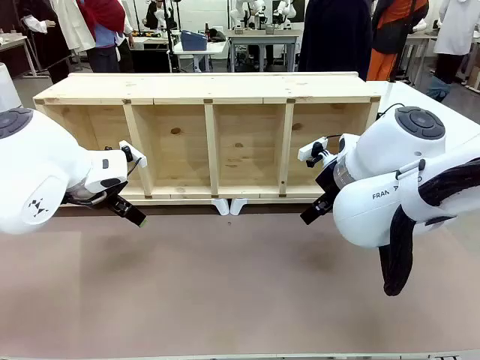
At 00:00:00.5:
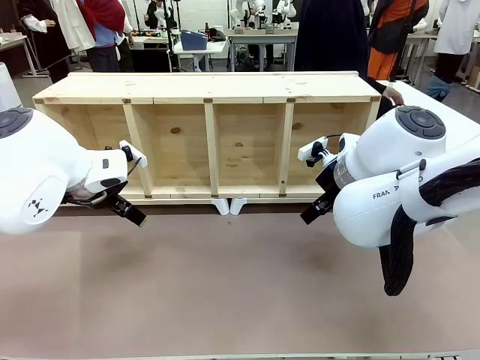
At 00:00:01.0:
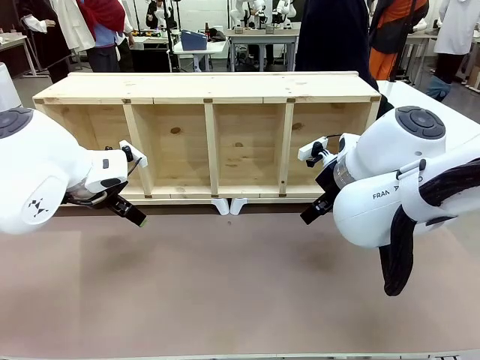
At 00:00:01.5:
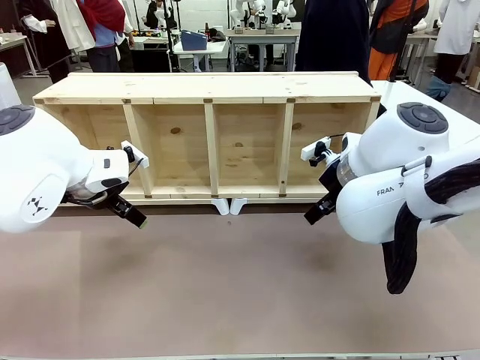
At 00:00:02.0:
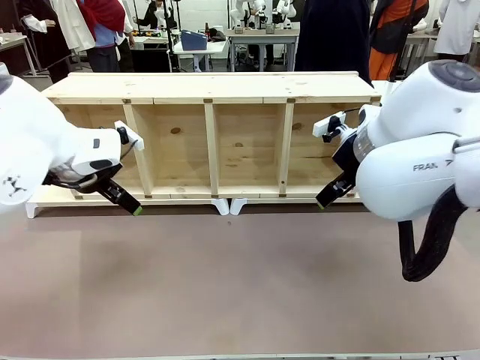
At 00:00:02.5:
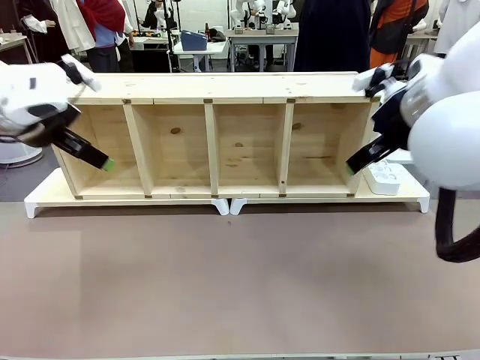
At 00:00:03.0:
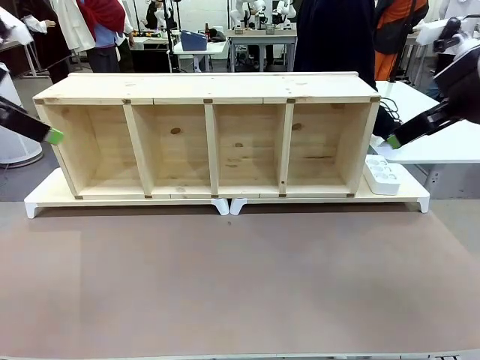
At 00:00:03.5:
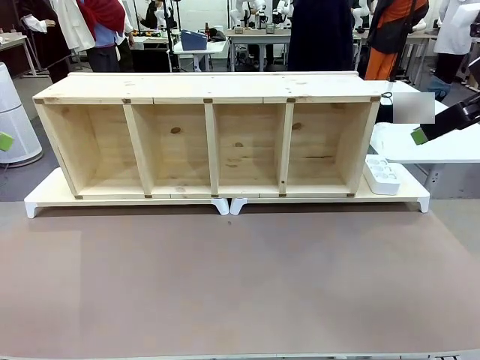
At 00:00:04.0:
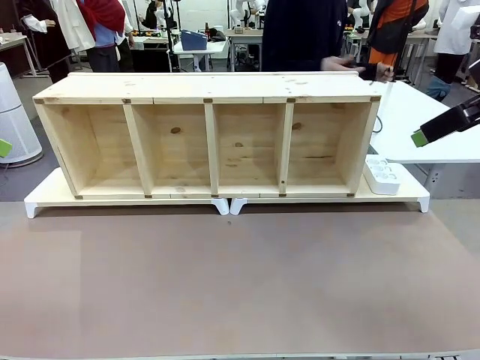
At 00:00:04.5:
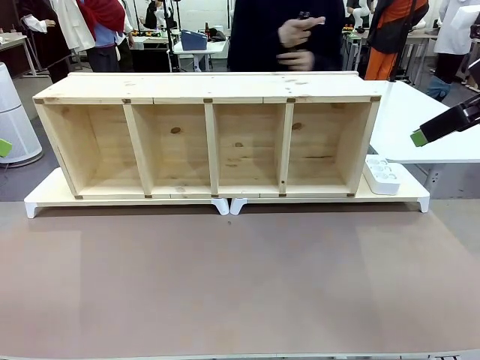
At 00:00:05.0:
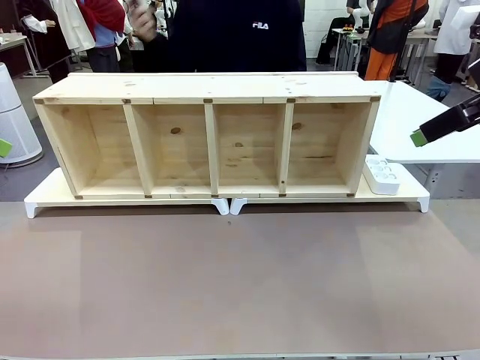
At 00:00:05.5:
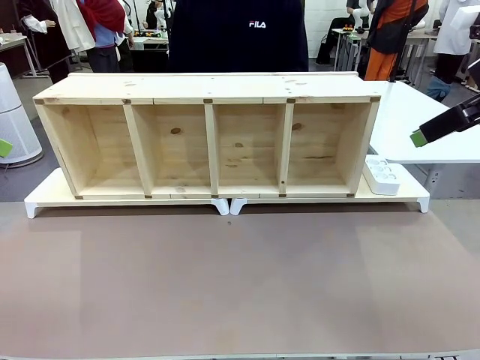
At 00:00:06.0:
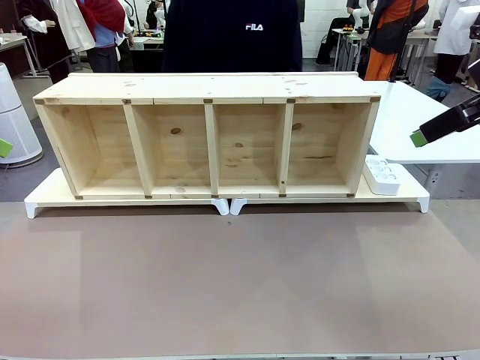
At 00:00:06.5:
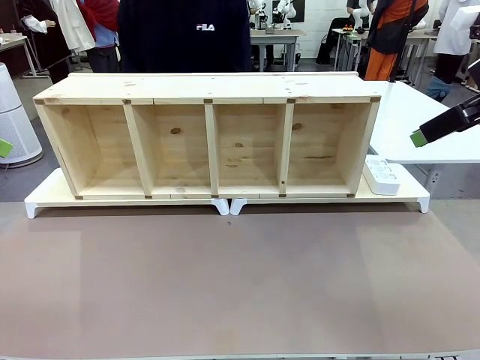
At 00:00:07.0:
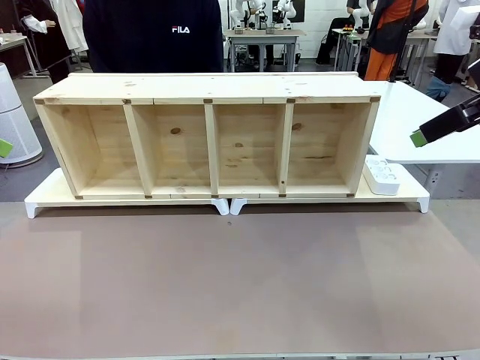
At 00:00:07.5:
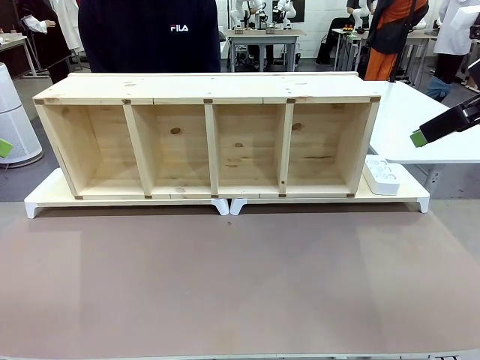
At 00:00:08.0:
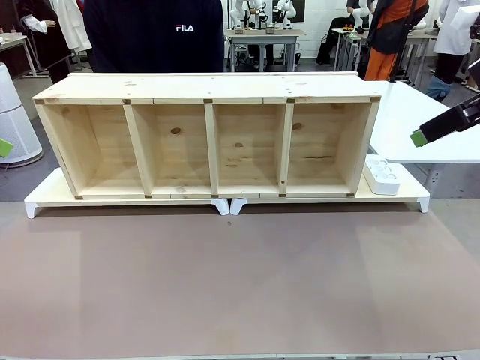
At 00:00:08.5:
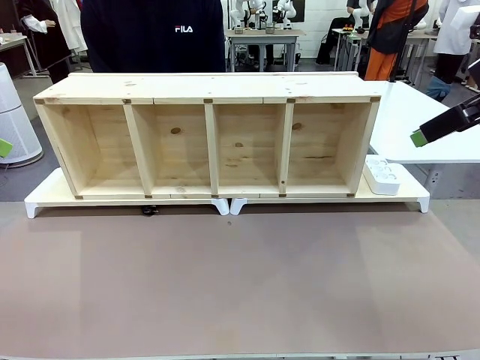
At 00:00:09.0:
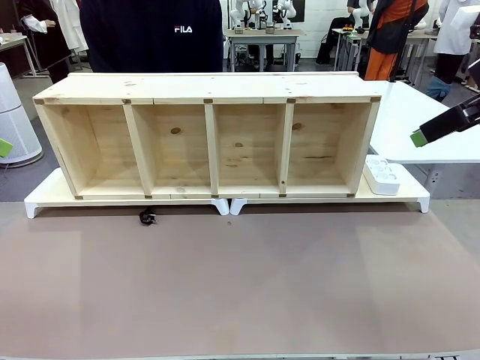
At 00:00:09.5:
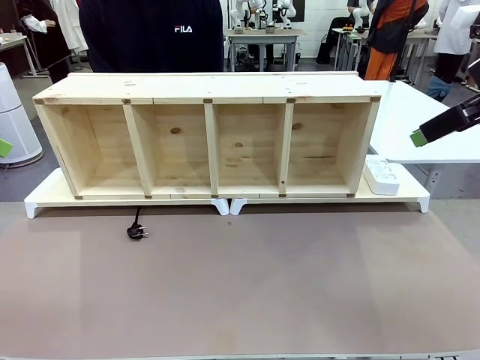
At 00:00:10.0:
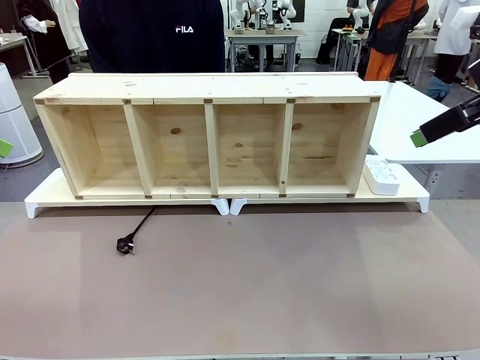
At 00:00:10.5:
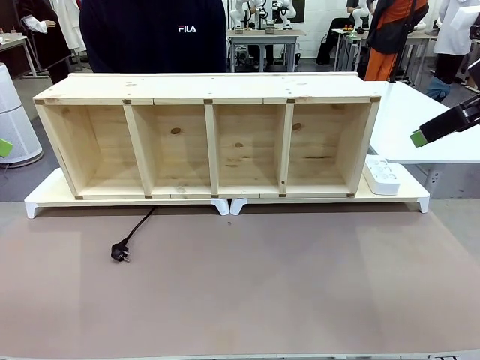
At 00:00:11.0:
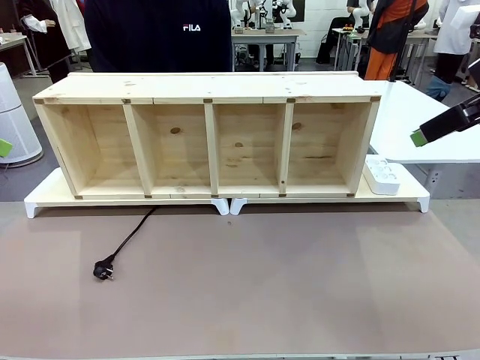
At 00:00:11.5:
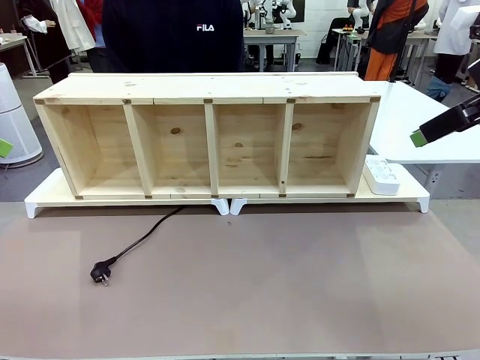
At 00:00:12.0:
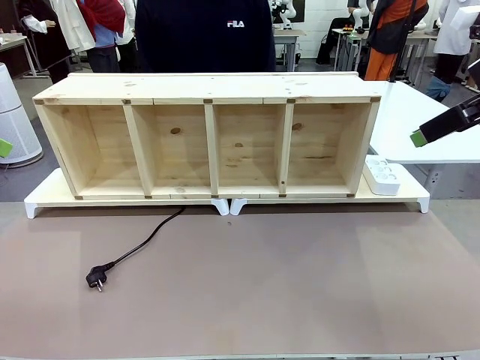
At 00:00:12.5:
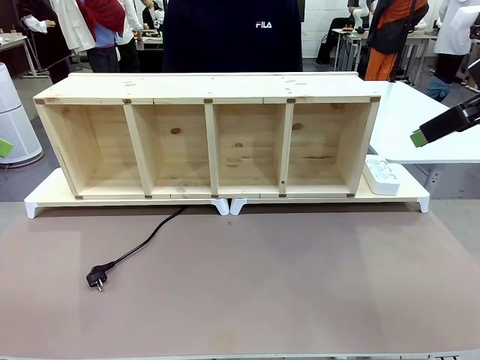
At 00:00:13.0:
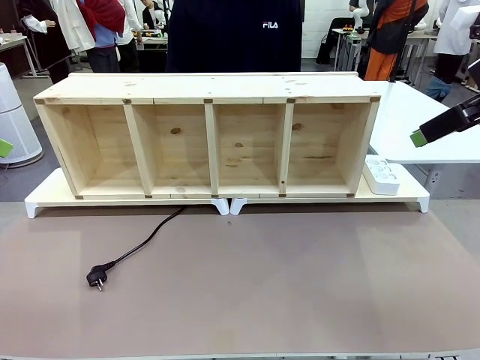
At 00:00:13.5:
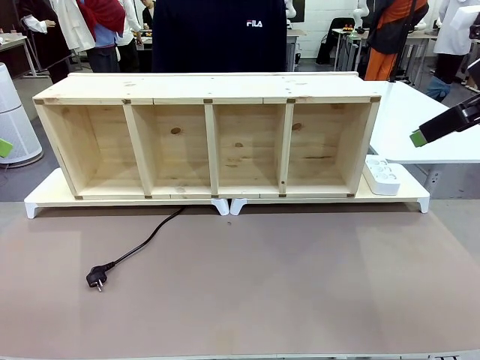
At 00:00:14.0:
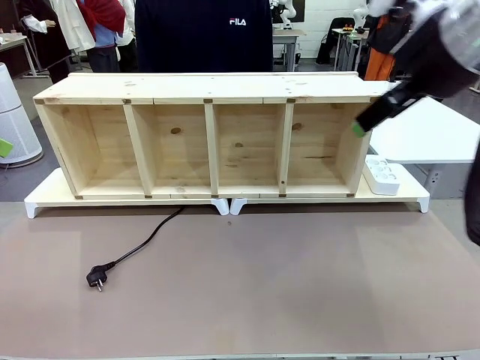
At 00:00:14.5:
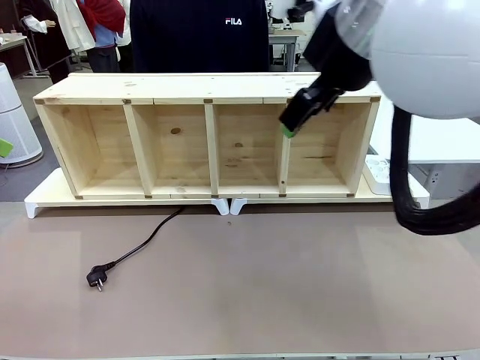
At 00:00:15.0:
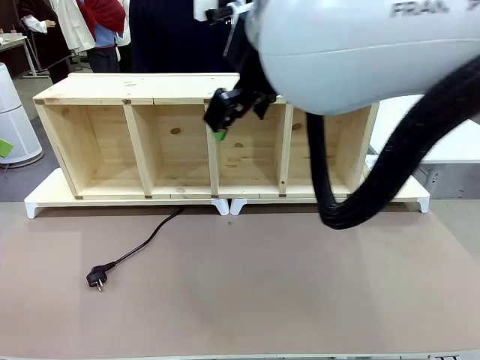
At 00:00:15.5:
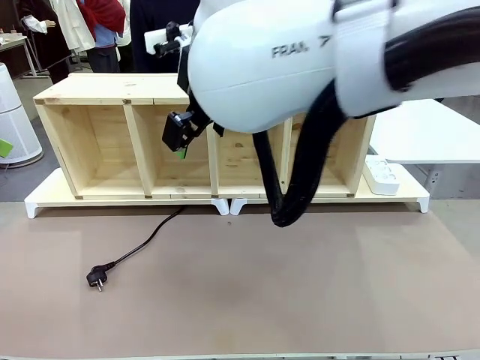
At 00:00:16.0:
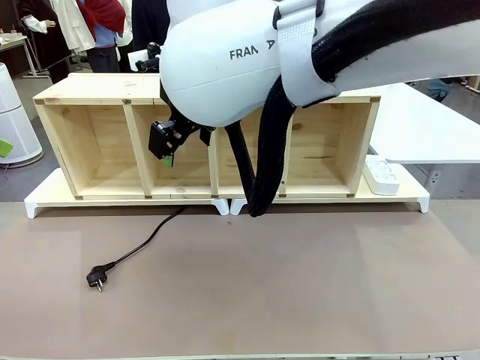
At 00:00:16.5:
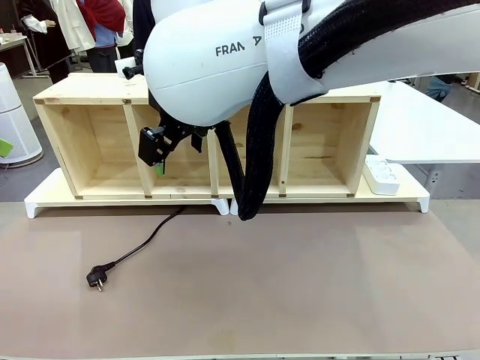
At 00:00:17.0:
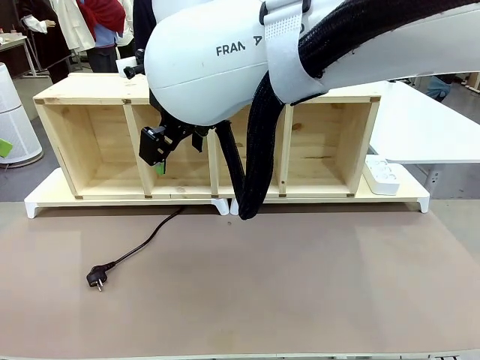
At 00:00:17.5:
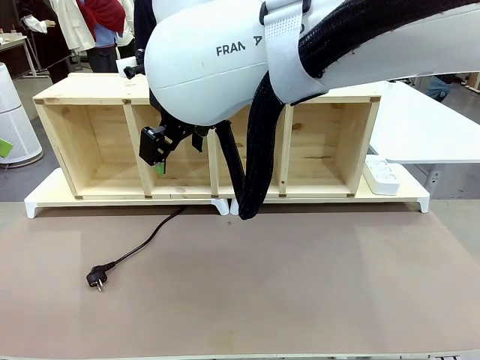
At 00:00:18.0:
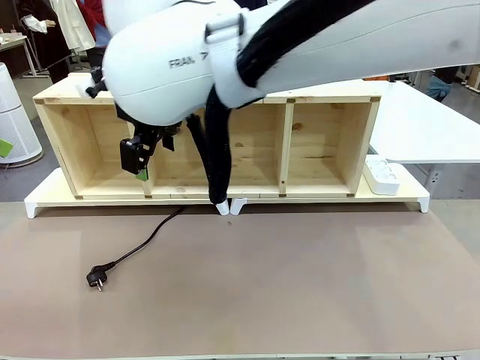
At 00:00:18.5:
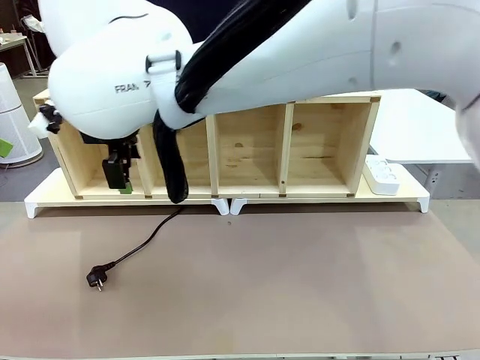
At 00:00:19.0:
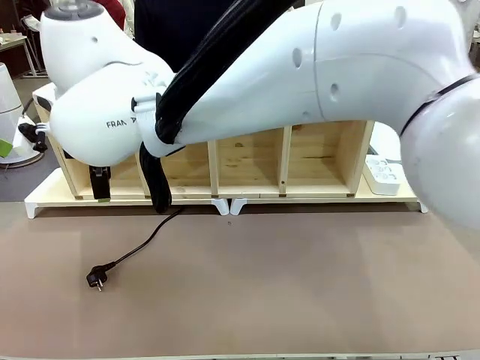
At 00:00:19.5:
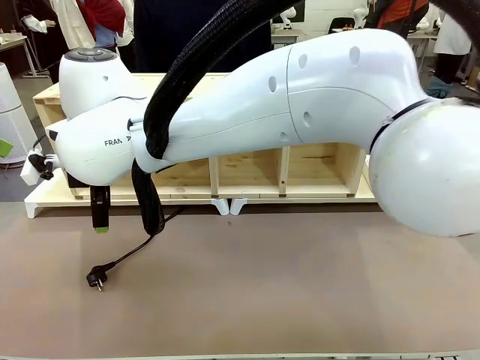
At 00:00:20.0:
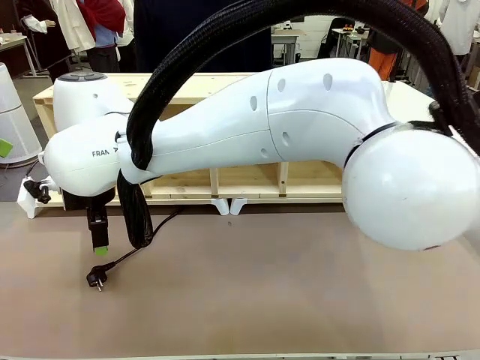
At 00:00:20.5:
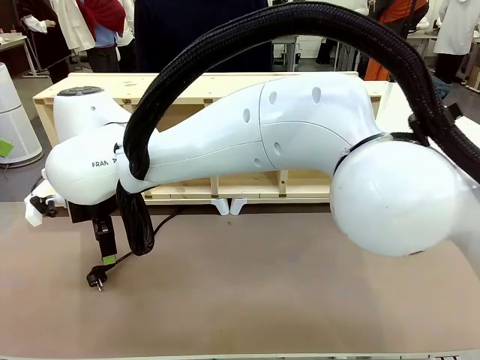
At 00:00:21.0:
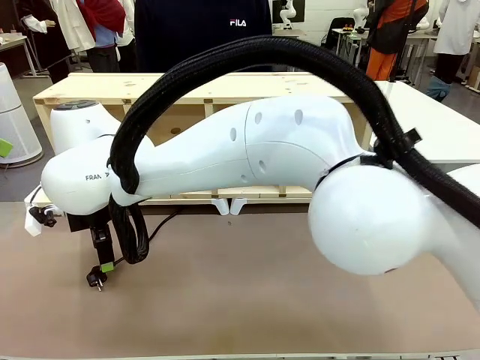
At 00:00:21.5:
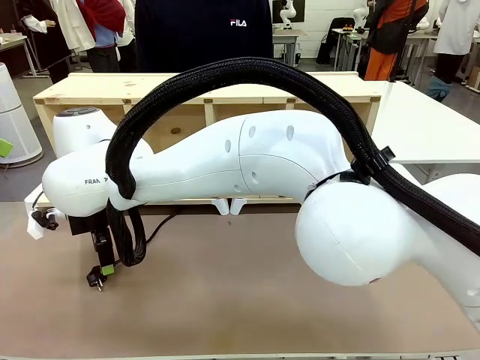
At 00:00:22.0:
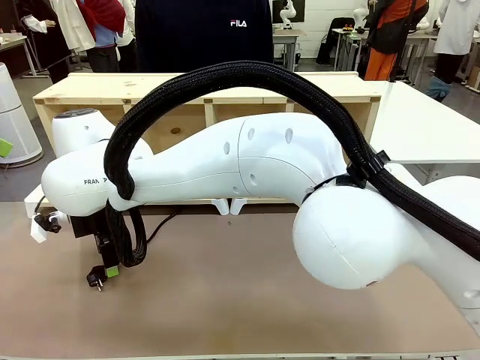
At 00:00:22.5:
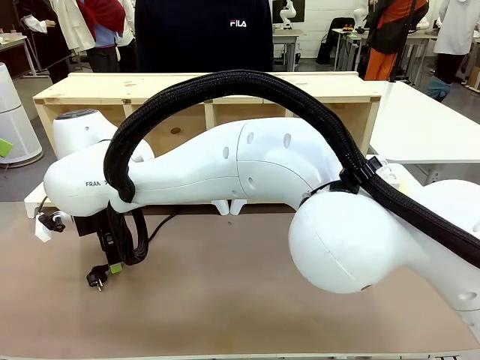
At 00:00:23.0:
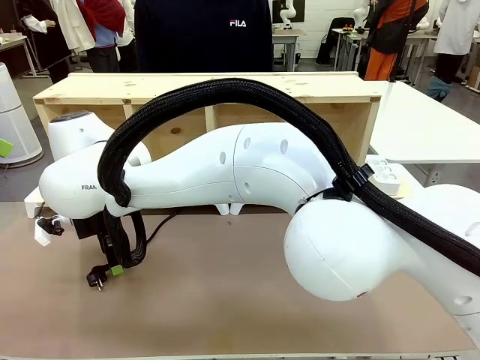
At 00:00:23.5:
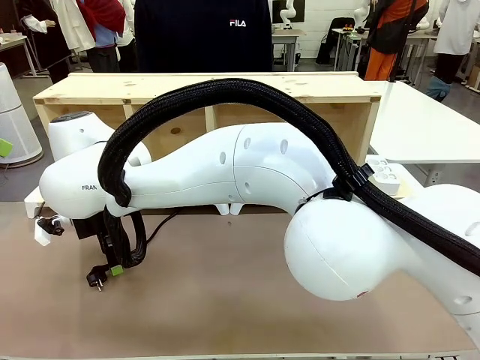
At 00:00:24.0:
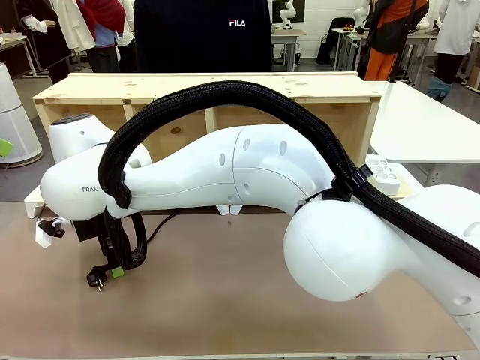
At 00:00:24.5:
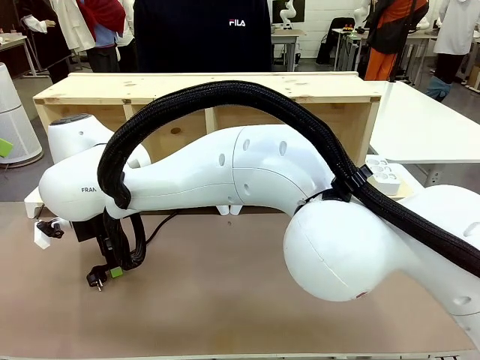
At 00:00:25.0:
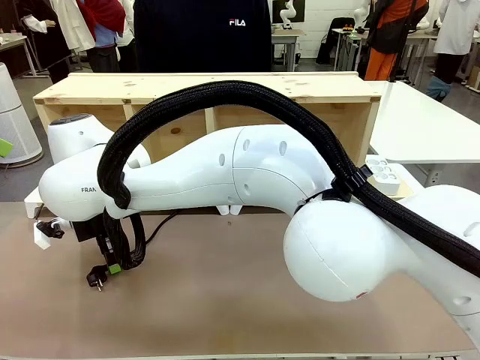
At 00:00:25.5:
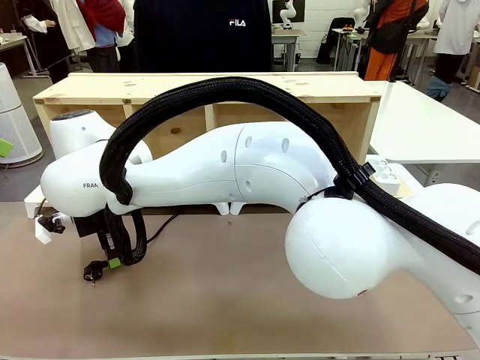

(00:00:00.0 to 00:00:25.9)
Task: Perform cable management.
Robot: When the cord part of the Power Cable appears at the lower middle area of the table and stops, grasp the cord part of the Power Cable.
Person: Pass the Power Cable under the Serving Table.
